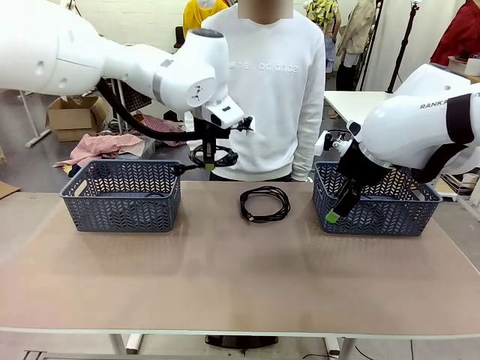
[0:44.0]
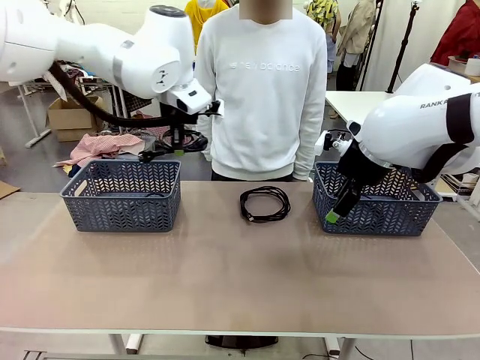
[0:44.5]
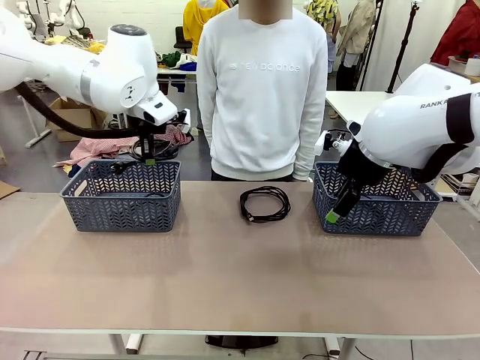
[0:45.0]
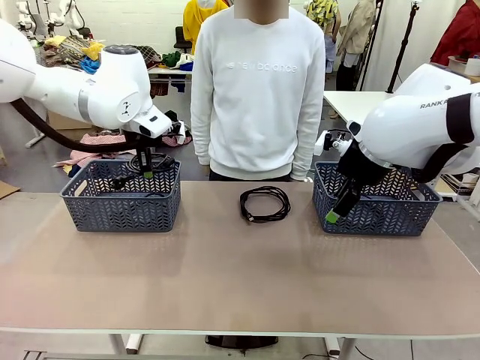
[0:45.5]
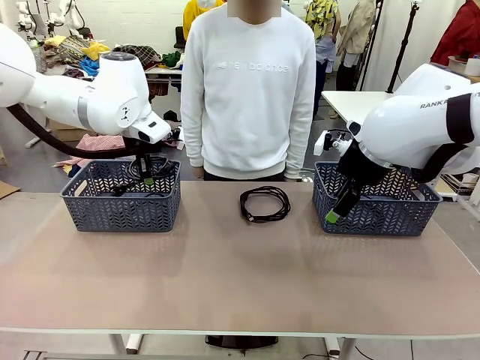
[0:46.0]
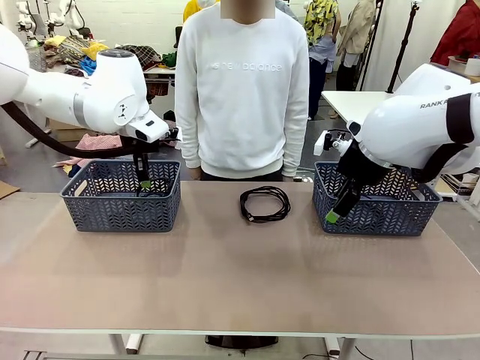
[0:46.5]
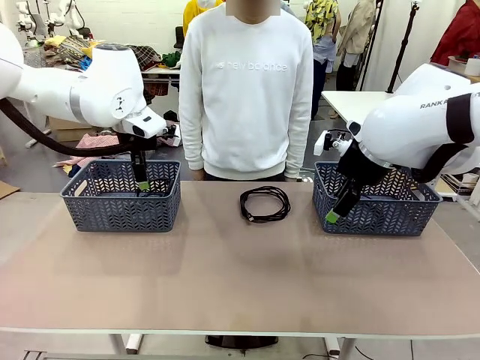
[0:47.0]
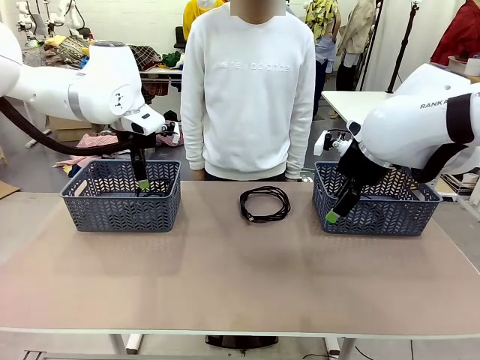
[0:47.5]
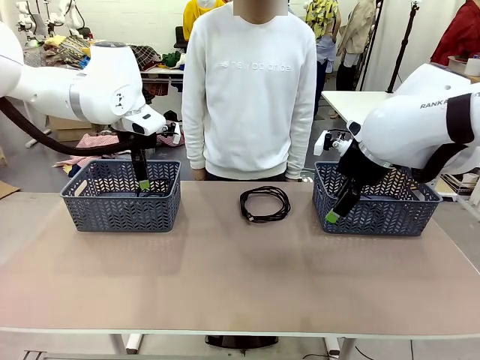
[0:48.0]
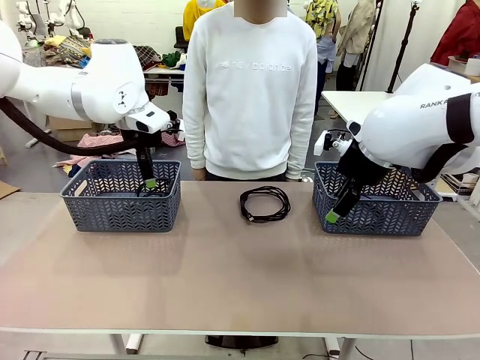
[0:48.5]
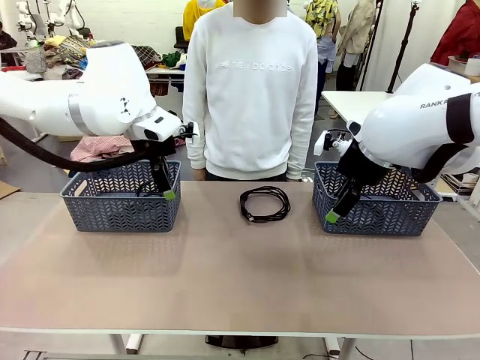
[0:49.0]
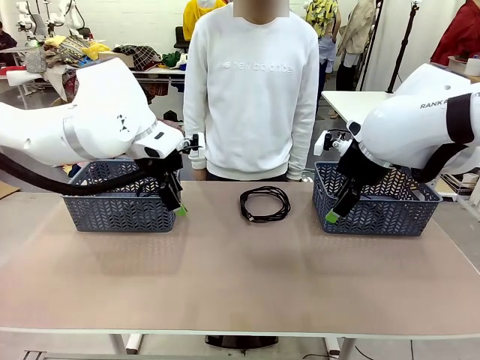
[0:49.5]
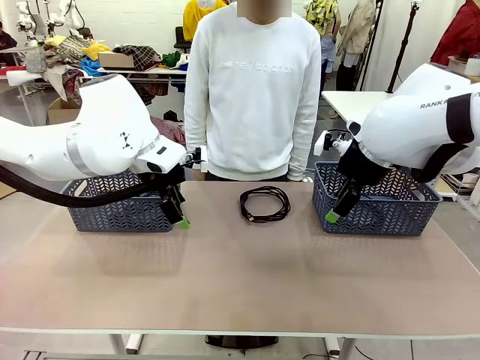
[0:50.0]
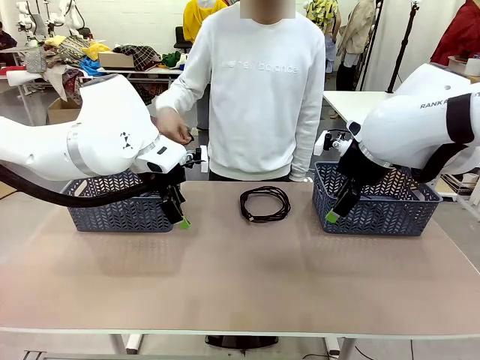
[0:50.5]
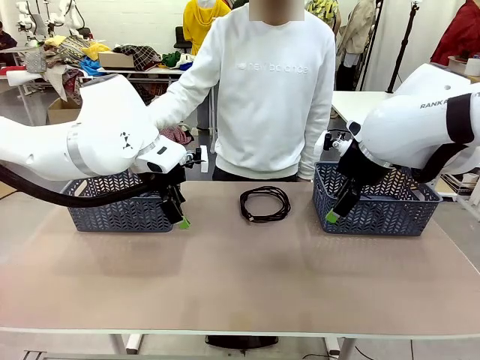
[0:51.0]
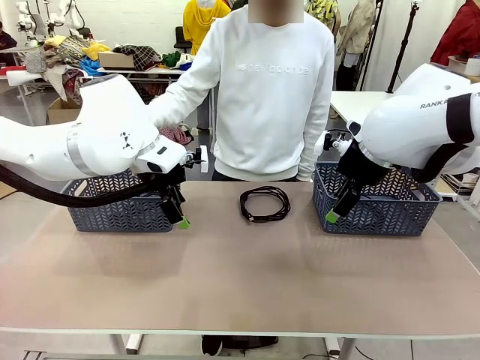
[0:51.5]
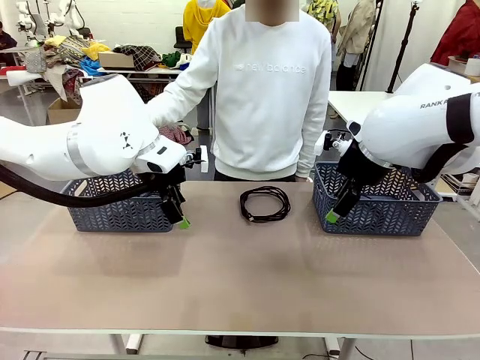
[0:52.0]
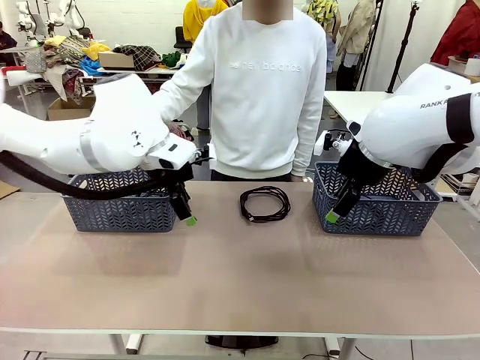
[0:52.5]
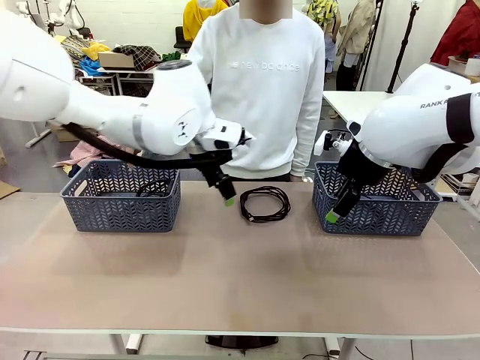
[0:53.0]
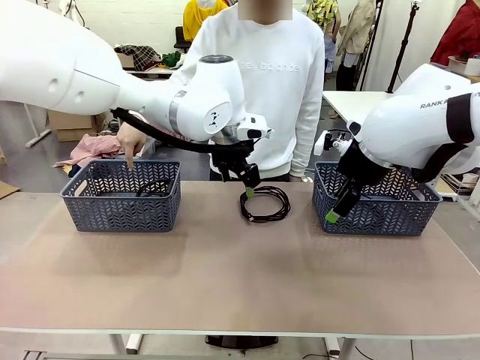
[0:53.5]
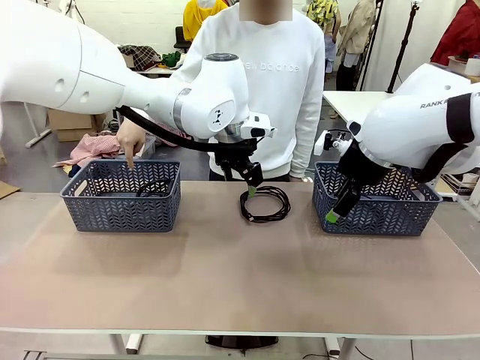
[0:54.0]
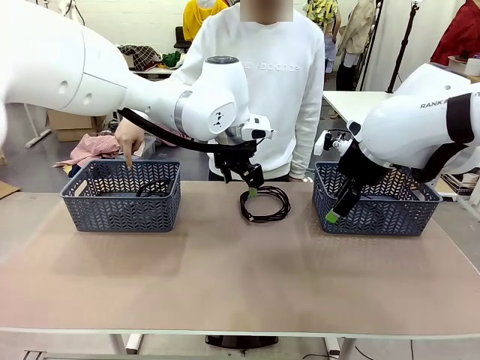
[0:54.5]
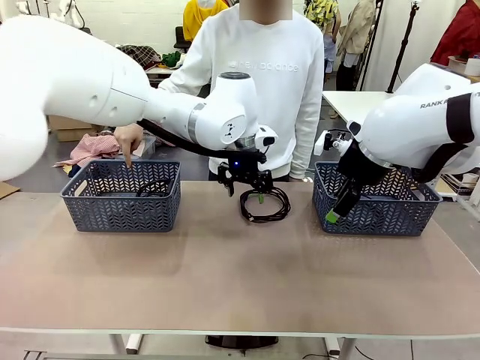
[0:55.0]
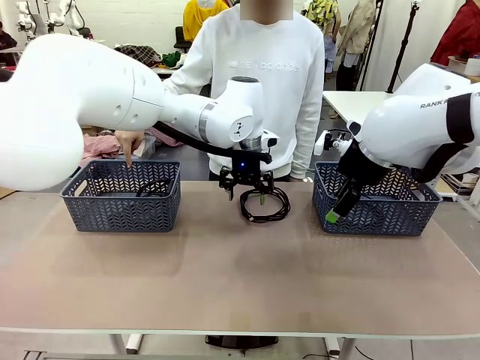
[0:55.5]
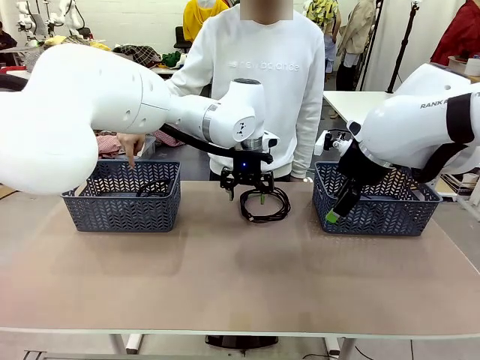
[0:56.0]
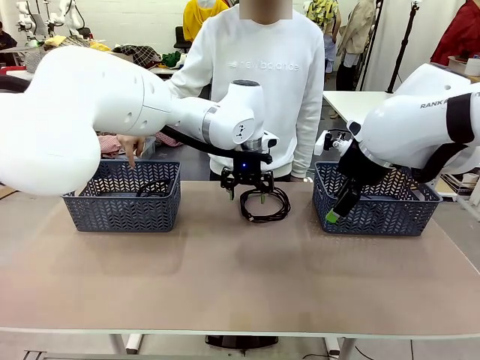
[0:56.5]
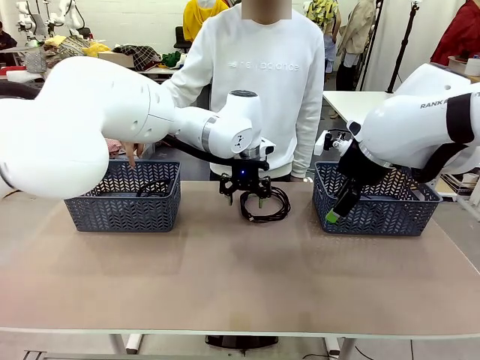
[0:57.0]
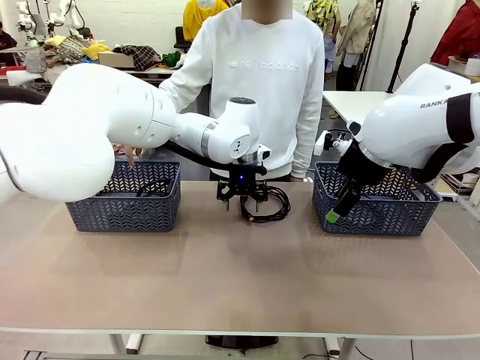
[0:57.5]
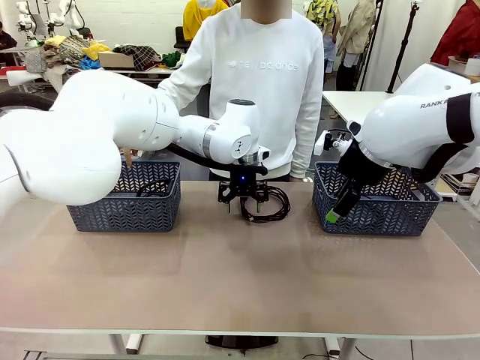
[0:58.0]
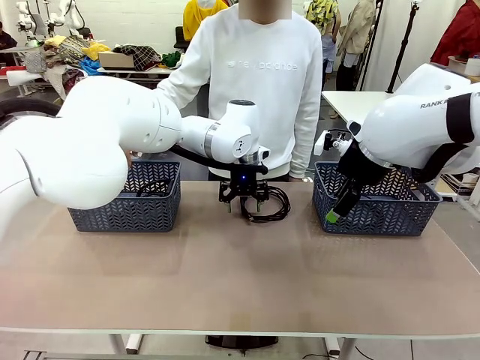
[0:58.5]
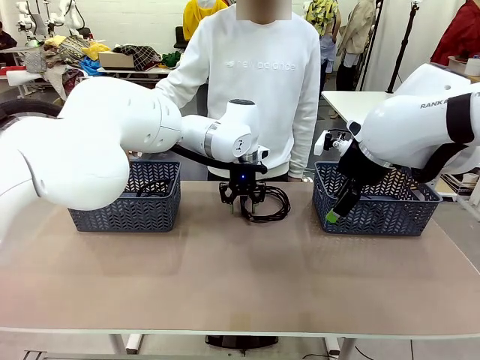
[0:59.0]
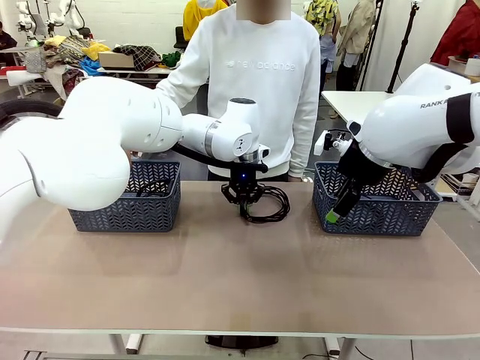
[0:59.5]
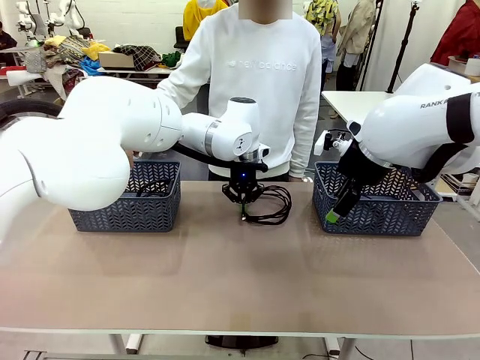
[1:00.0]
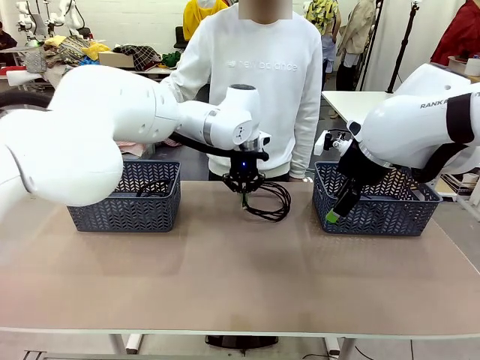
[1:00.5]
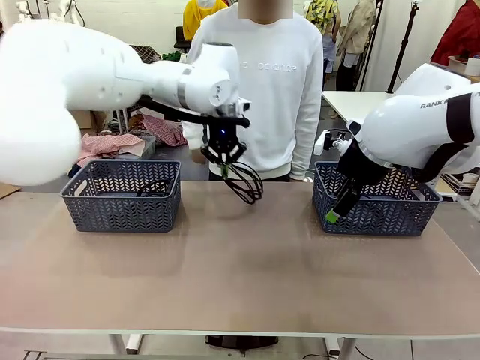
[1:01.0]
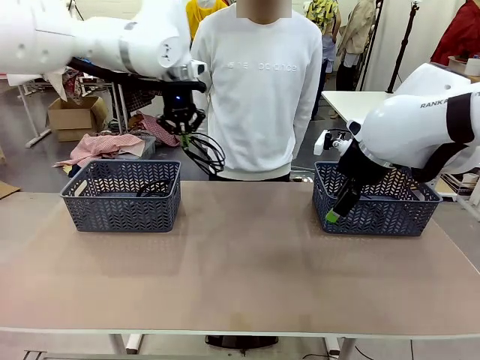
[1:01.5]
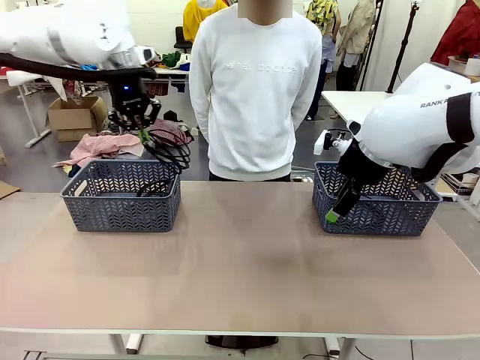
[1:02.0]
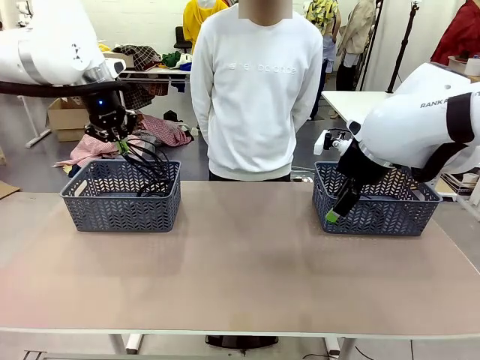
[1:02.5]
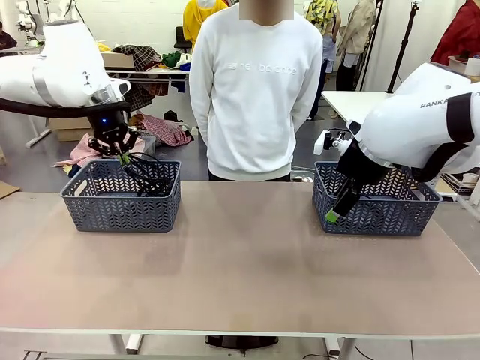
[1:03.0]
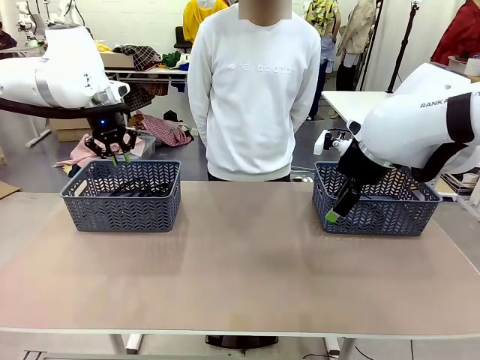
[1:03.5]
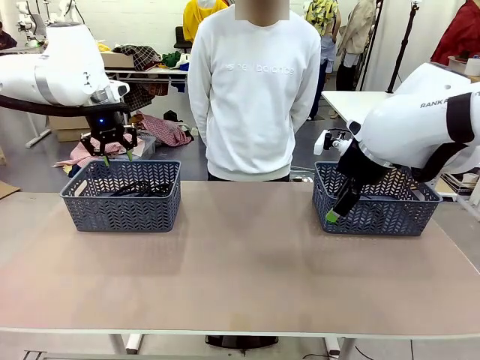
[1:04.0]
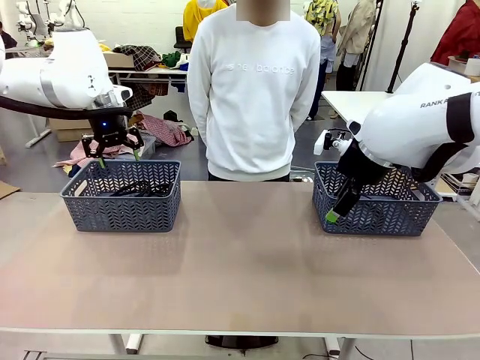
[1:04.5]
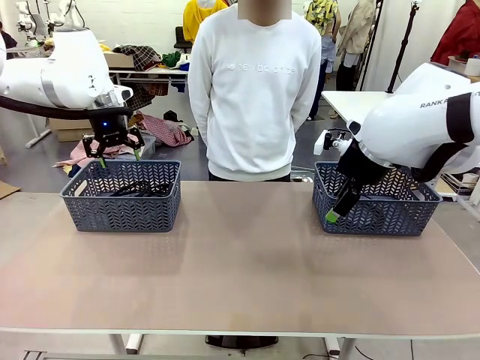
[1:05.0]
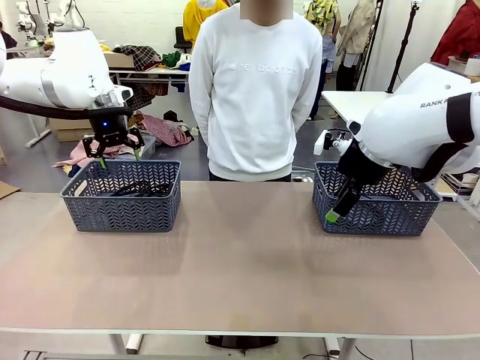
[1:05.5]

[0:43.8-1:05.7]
Task: Organize the cables according to human instructions.
Robot: Pick up a bundle of cables and place it in the basket indicated by the human.

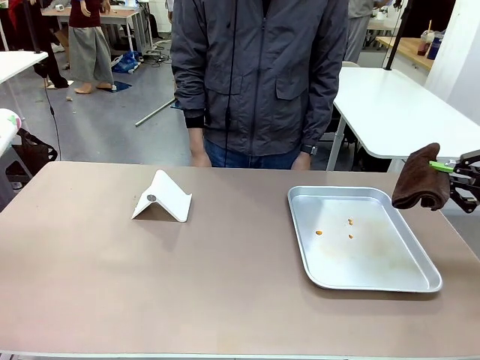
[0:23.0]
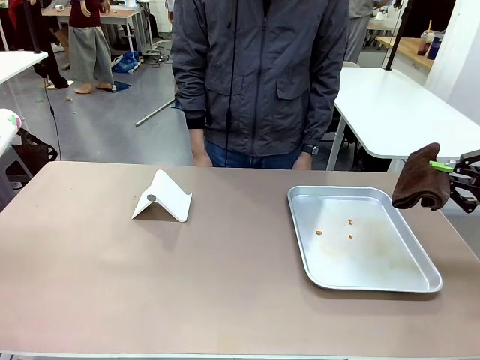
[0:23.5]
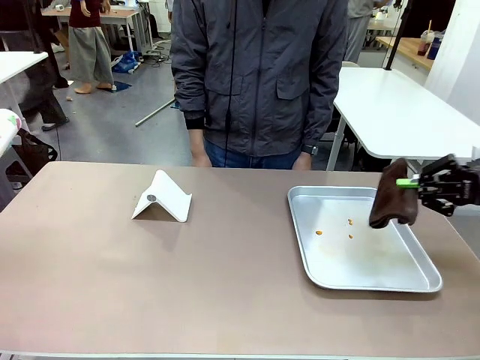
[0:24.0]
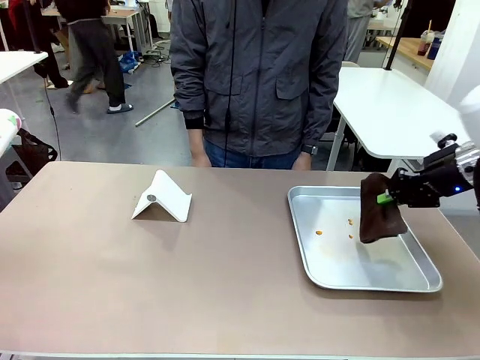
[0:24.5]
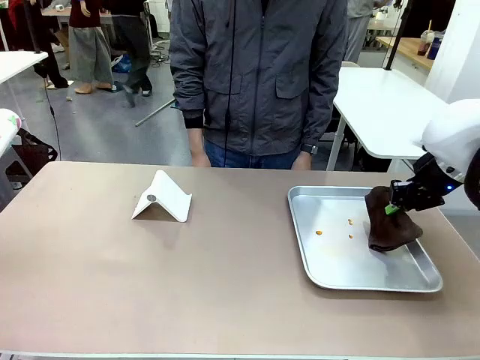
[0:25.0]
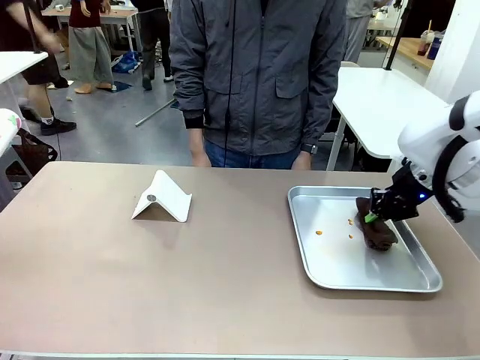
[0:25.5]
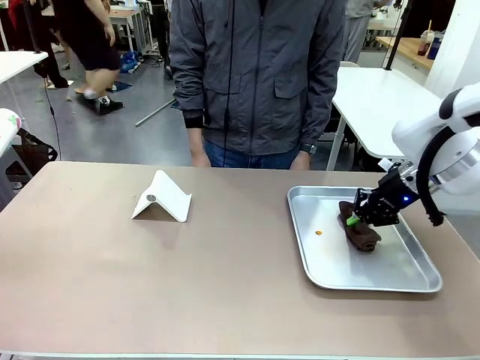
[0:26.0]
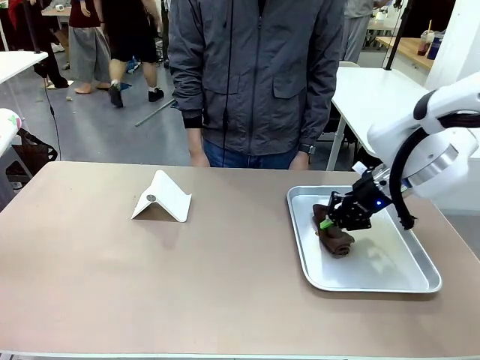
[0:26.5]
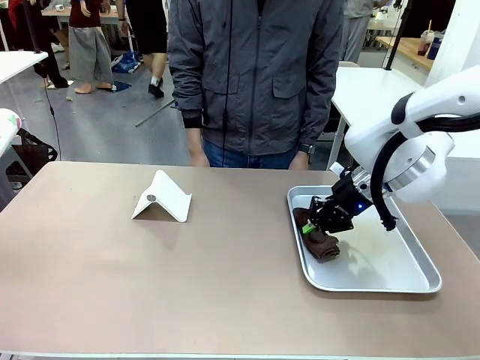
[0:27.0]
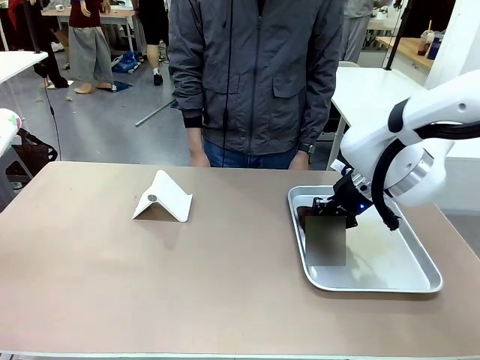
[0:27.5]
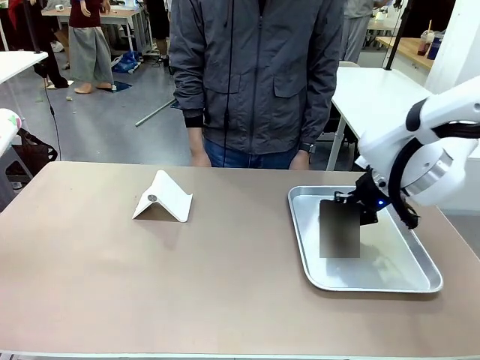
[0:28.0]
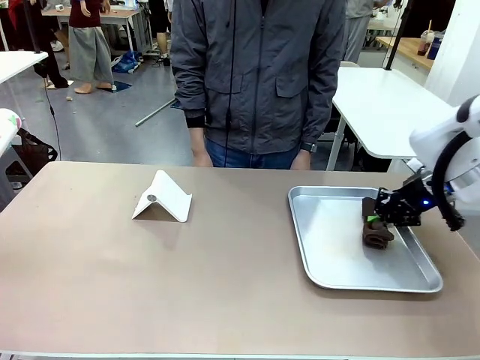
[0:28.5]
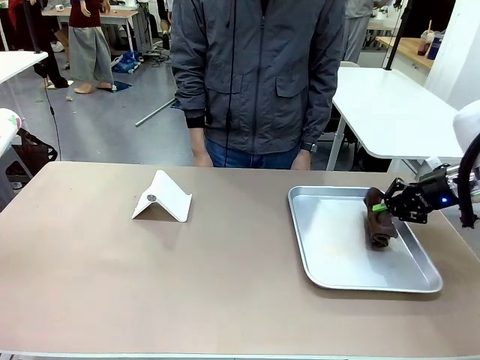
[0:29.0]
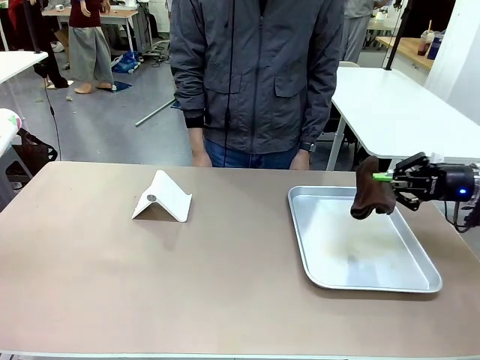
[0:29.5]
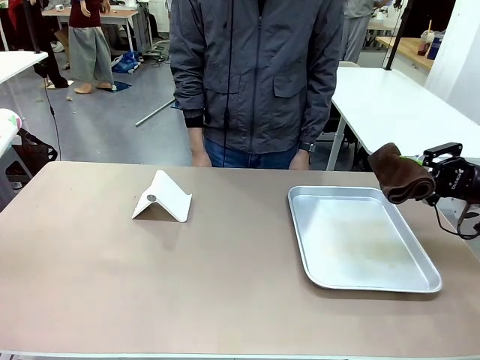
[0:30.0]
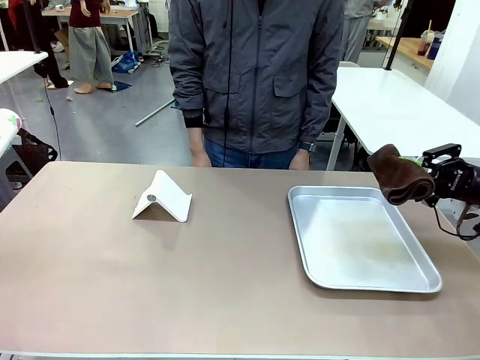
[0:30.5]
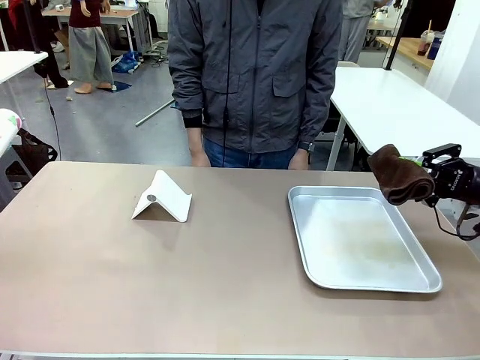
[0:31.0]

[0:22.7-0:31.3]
Task: Clean the surface of the table.
Robot: Clean the area not pointed to by the person.
